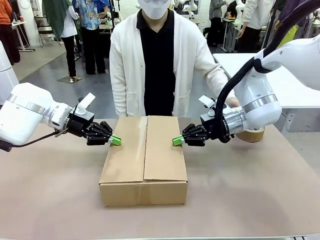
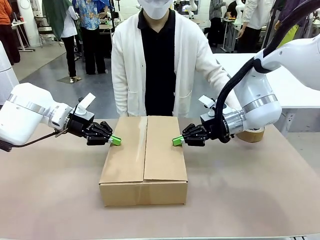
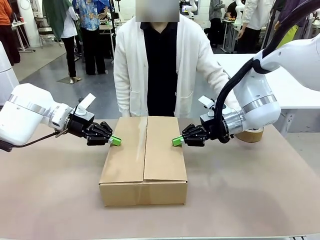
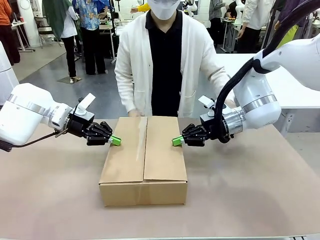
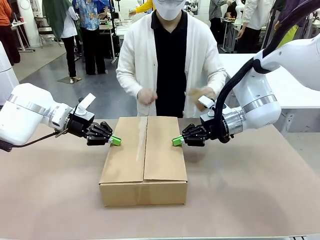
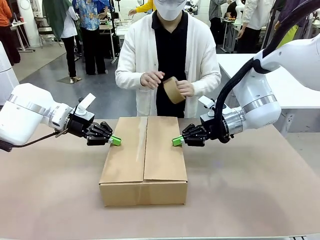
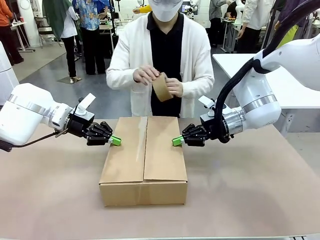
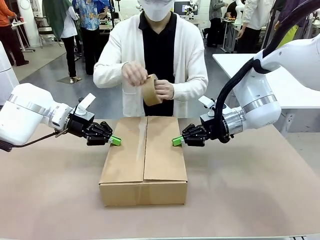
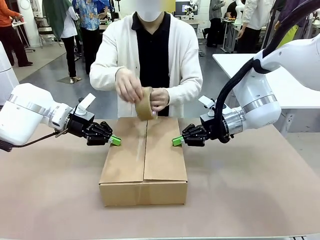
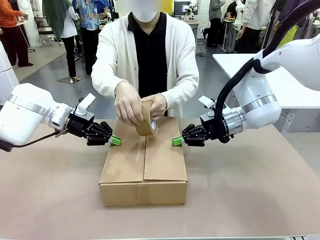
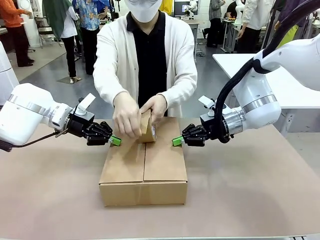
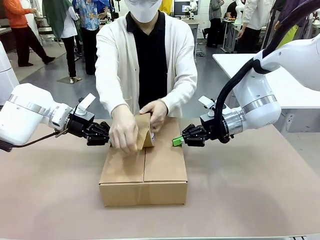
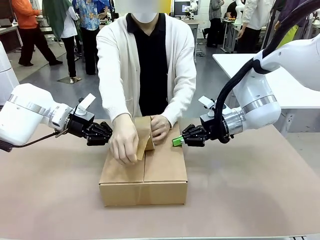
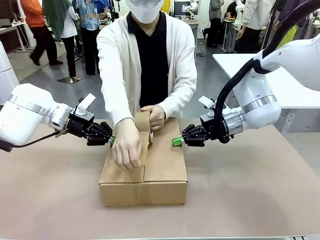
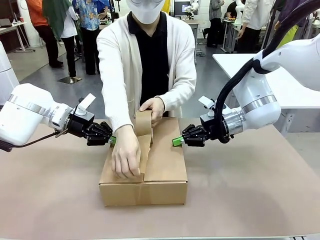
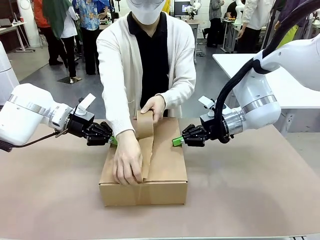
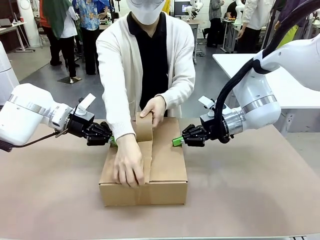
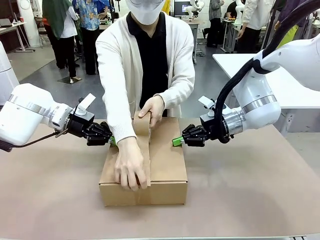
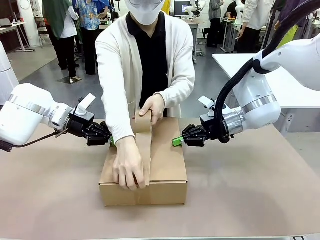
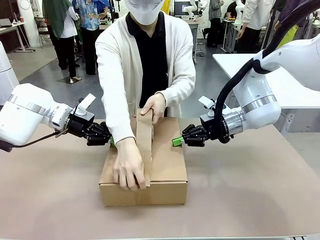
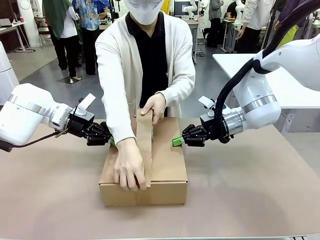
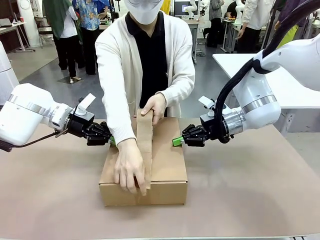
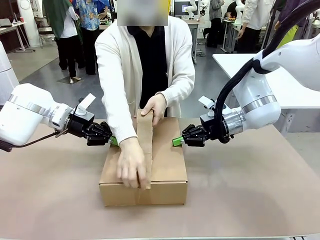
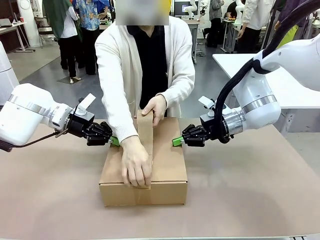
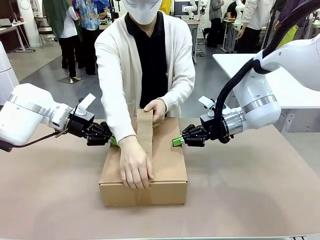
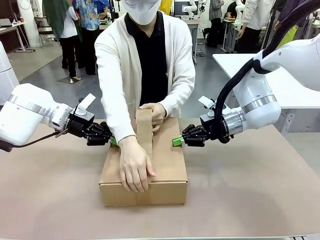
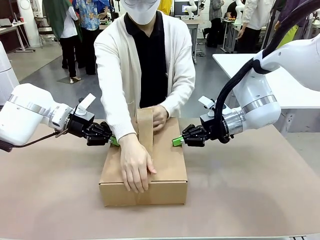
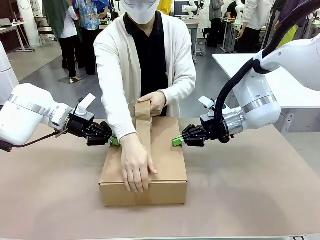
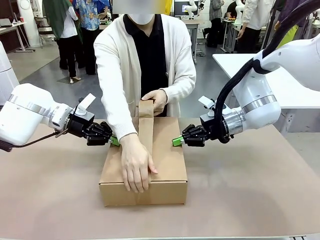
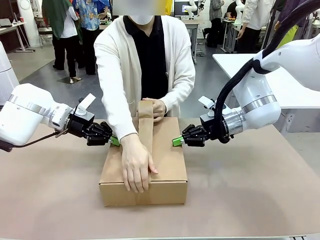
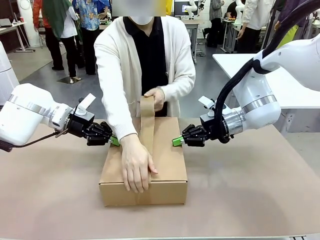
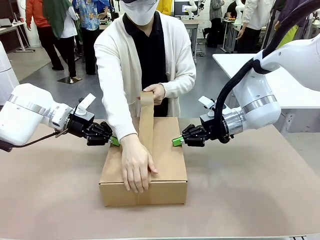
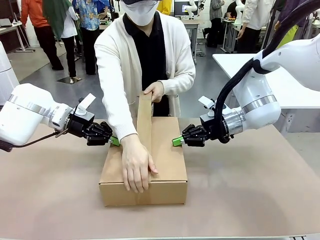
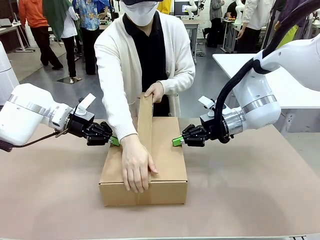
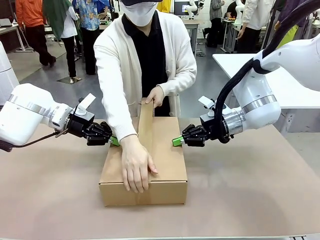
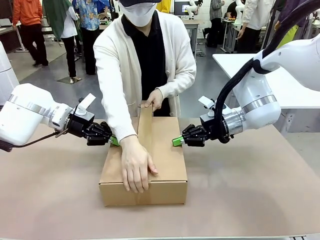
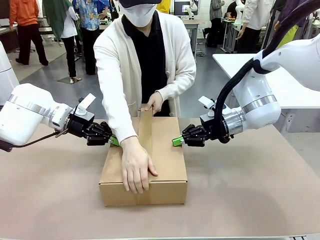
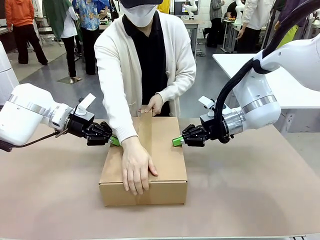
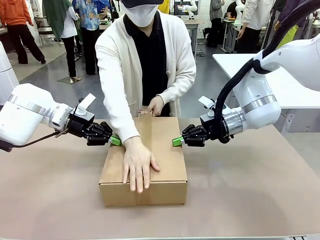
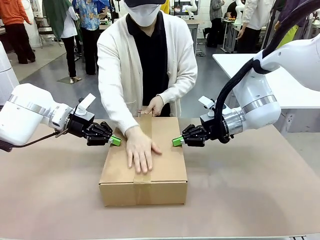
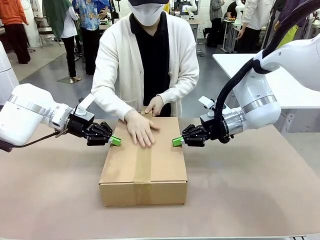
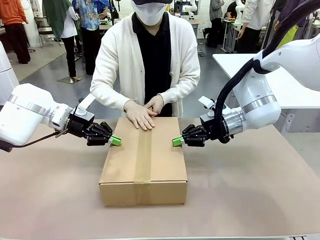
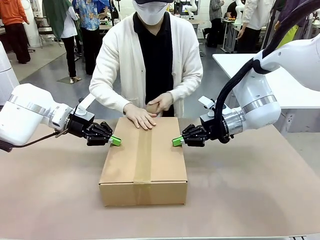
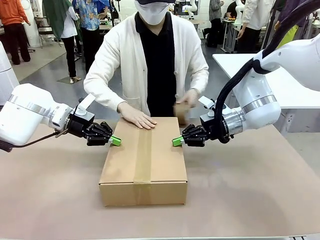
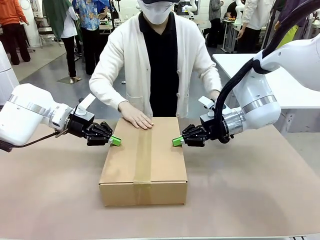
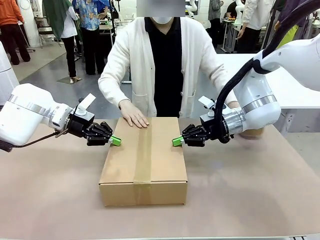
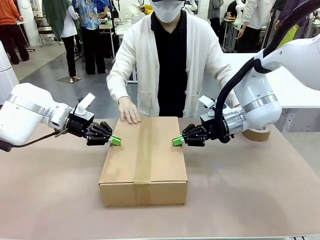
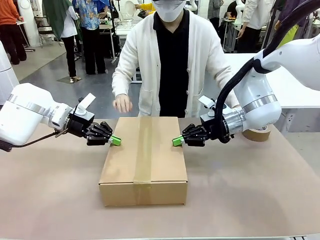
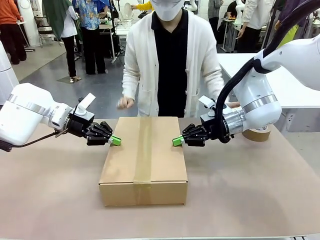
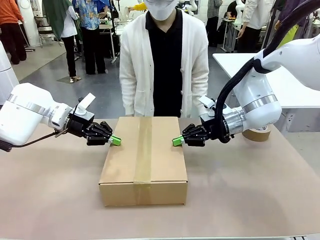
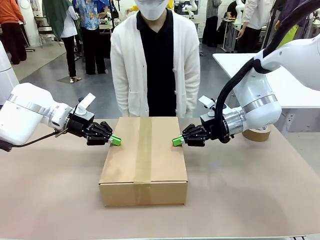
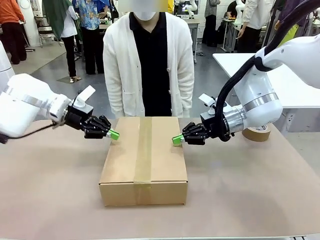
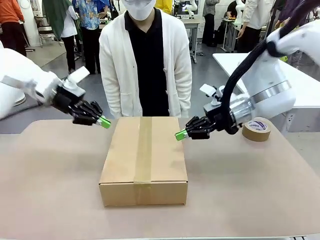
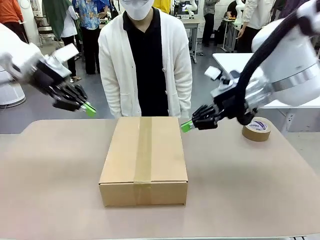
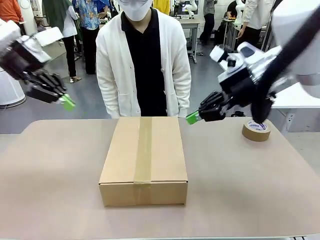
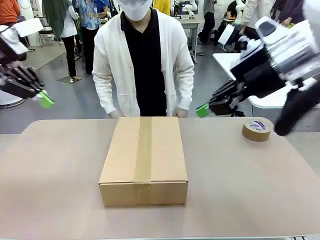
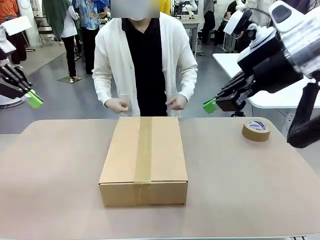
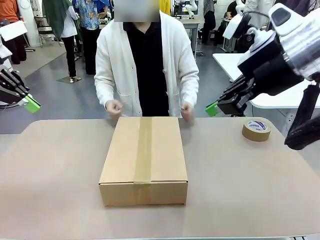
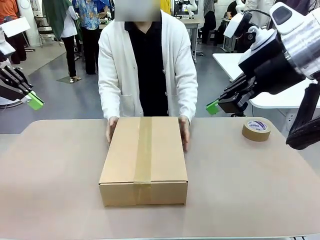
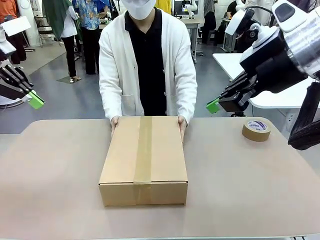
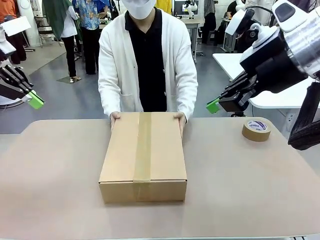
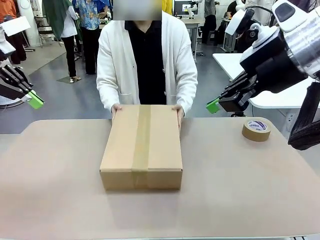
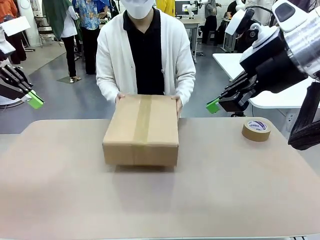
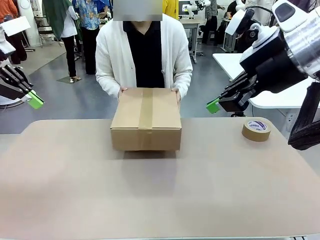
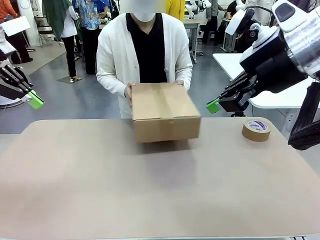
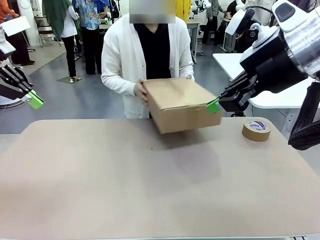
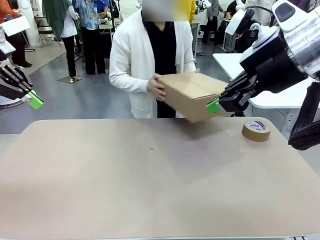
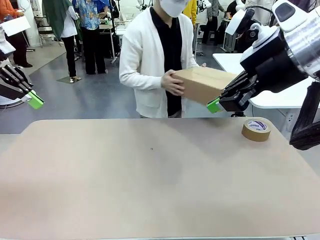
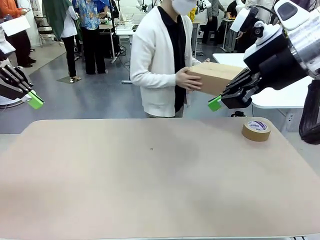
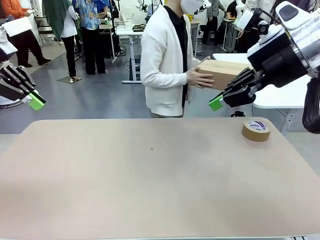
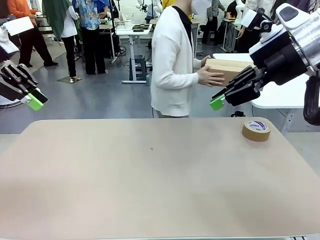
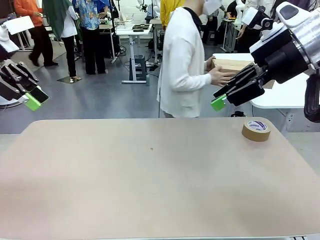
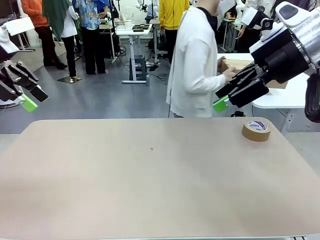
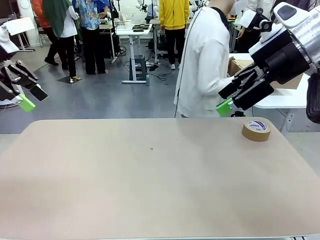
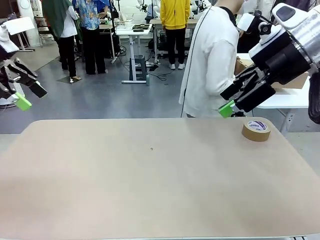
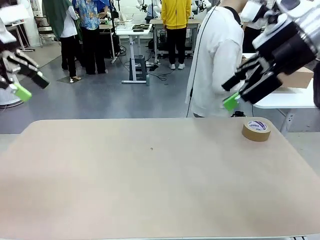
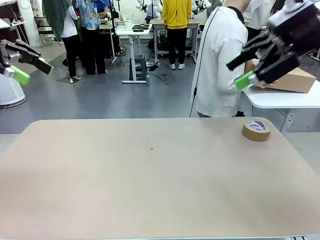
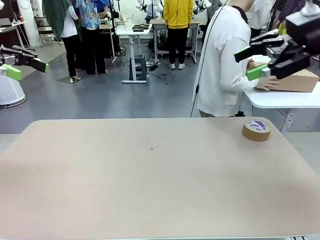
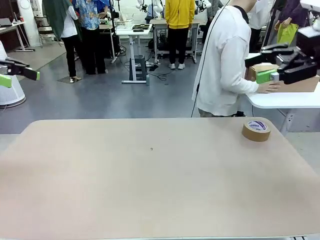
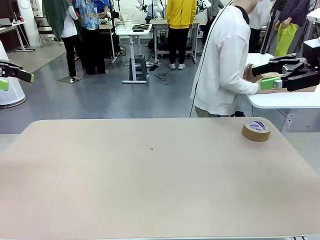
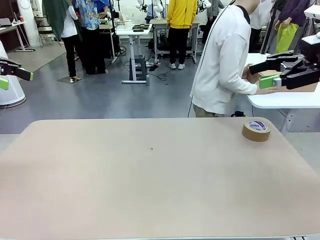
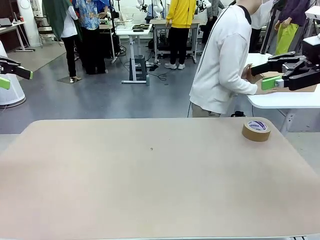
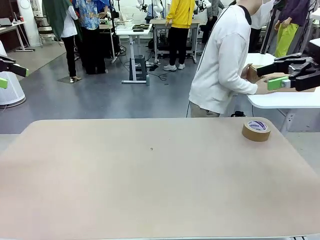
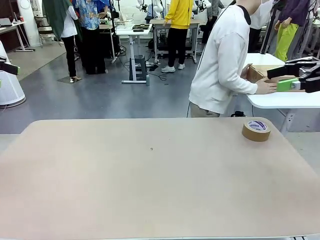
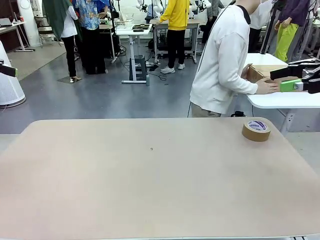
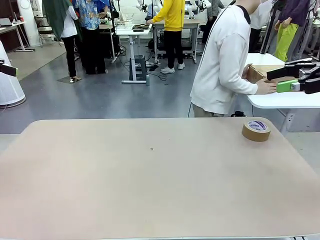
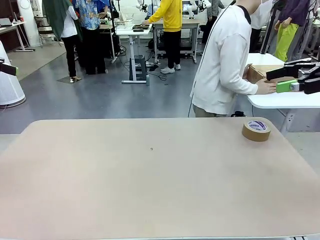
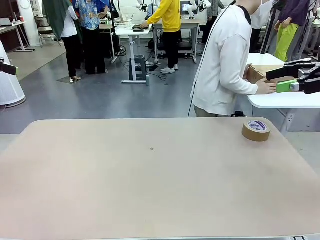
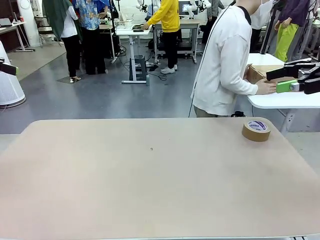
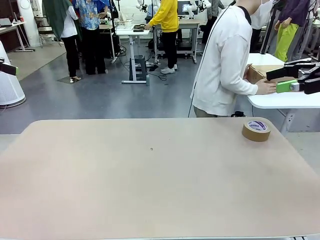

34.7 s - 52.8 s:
Task: Wrap the clocks to prevent damage.
Robot: After the human seals the box with tape, release both hands from the side flaps of the Package Box.
Person: Once the robot closes the left flap of the Package Box , seal the box with Paper Tape. Place sealed Package Box in the middle of the human's table.
